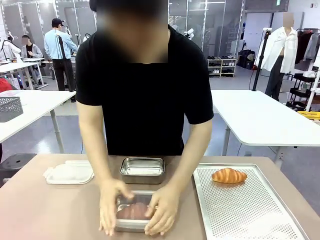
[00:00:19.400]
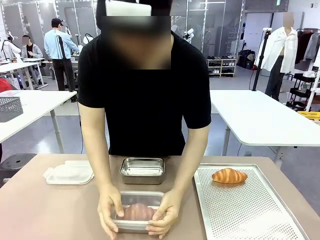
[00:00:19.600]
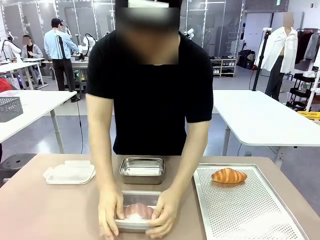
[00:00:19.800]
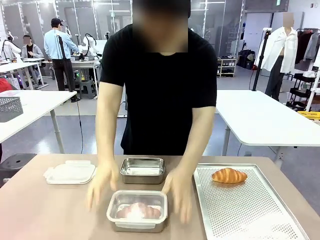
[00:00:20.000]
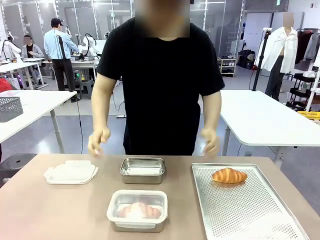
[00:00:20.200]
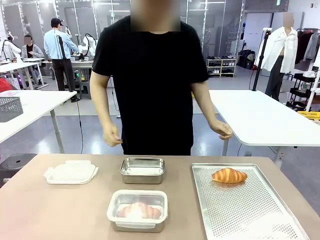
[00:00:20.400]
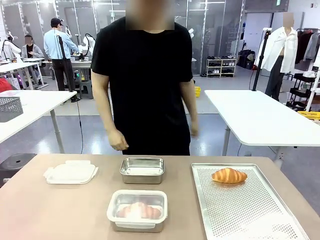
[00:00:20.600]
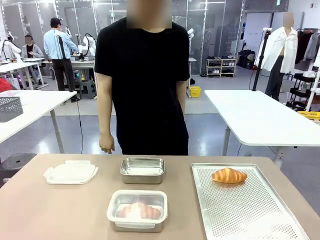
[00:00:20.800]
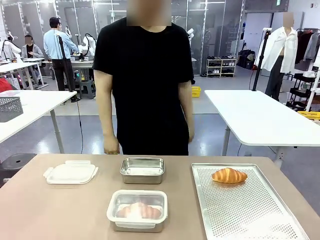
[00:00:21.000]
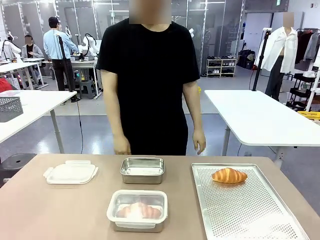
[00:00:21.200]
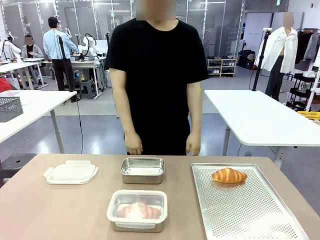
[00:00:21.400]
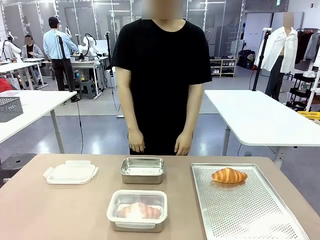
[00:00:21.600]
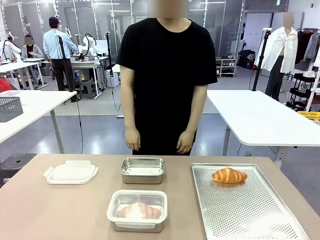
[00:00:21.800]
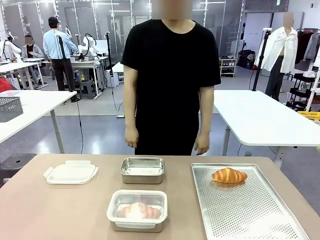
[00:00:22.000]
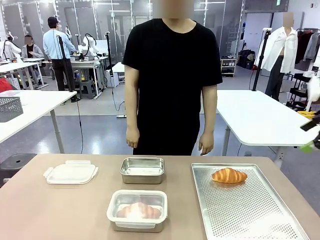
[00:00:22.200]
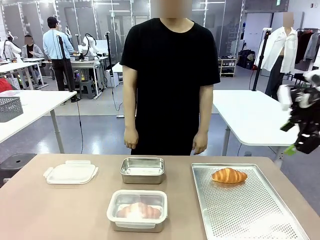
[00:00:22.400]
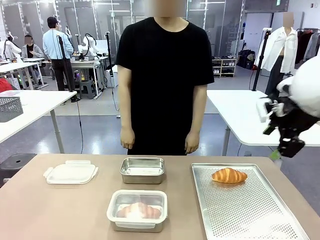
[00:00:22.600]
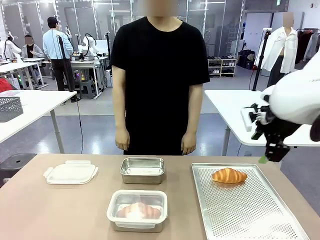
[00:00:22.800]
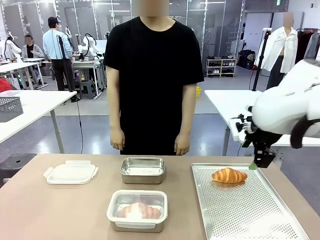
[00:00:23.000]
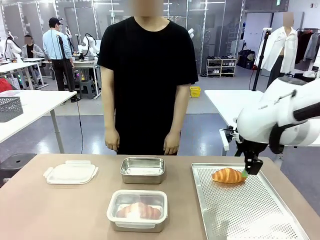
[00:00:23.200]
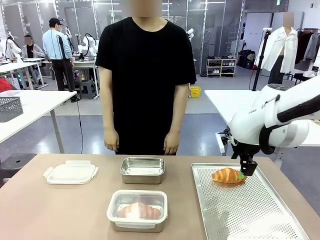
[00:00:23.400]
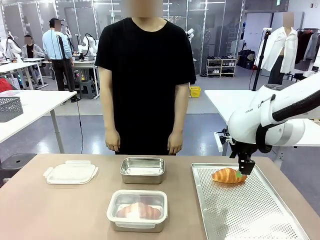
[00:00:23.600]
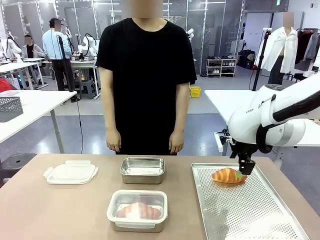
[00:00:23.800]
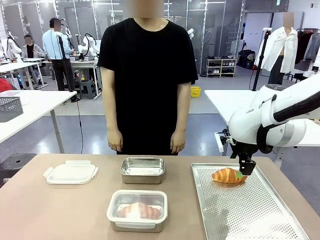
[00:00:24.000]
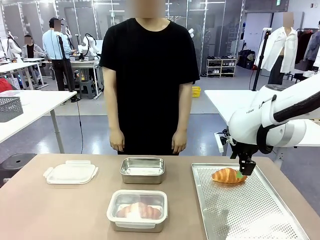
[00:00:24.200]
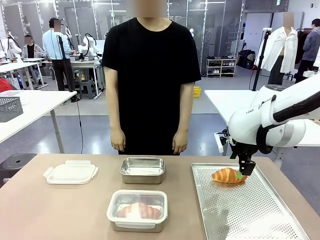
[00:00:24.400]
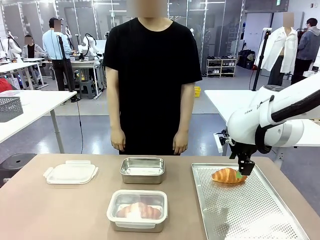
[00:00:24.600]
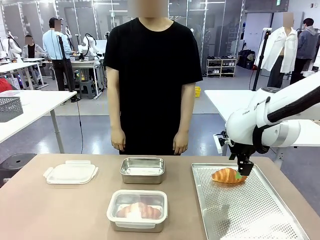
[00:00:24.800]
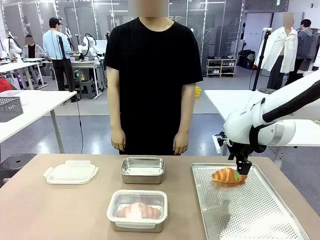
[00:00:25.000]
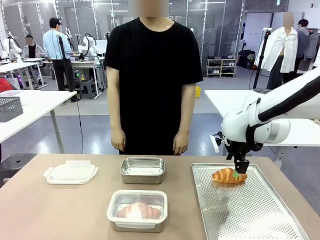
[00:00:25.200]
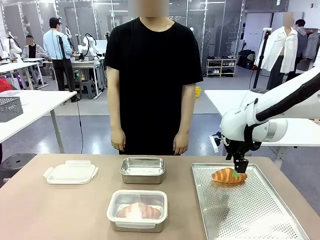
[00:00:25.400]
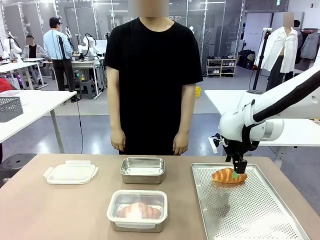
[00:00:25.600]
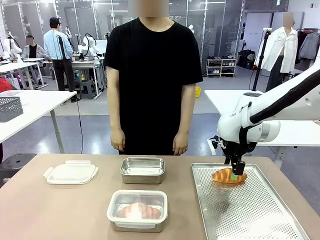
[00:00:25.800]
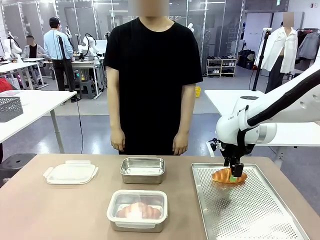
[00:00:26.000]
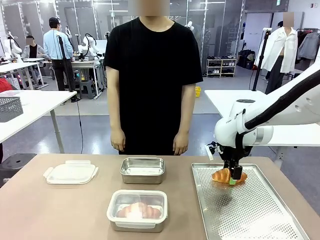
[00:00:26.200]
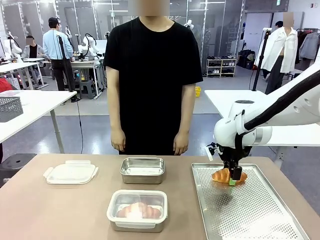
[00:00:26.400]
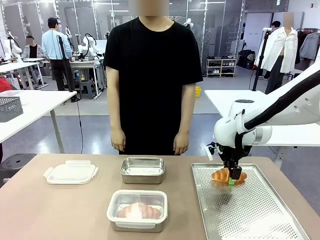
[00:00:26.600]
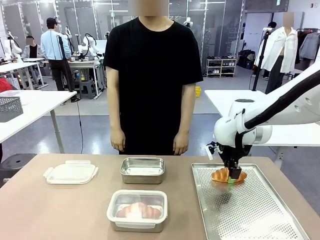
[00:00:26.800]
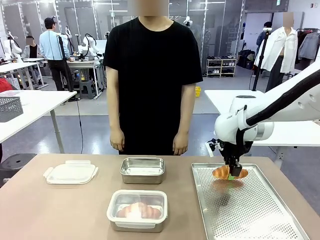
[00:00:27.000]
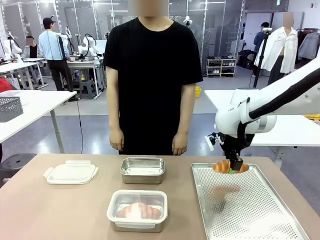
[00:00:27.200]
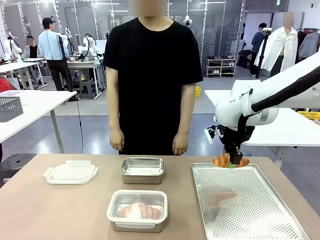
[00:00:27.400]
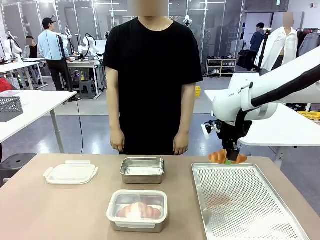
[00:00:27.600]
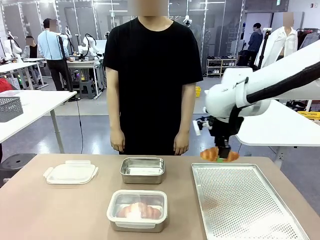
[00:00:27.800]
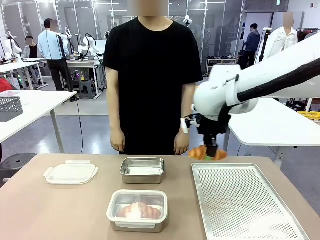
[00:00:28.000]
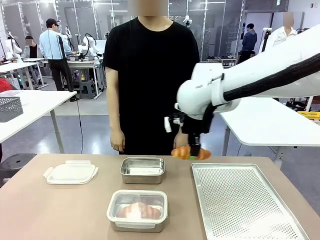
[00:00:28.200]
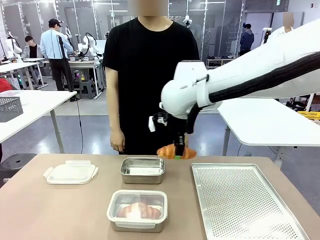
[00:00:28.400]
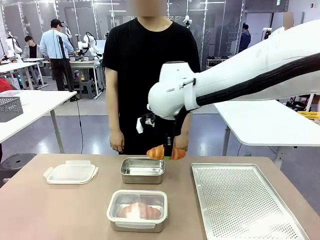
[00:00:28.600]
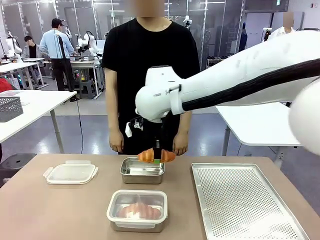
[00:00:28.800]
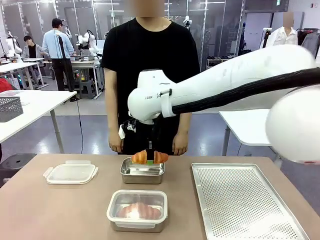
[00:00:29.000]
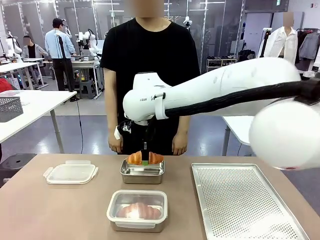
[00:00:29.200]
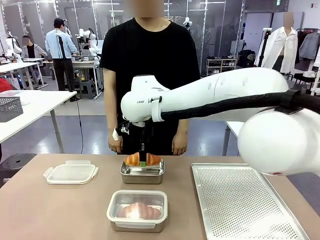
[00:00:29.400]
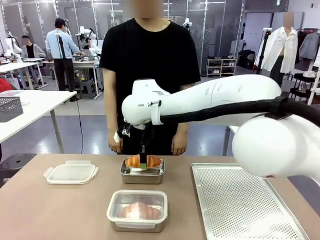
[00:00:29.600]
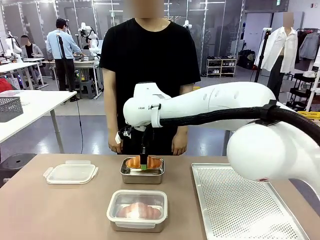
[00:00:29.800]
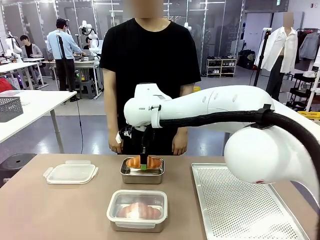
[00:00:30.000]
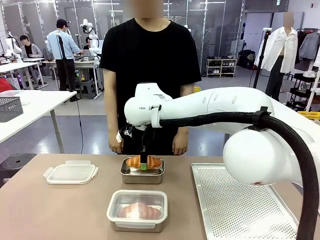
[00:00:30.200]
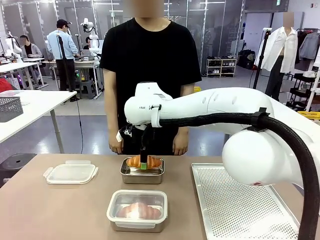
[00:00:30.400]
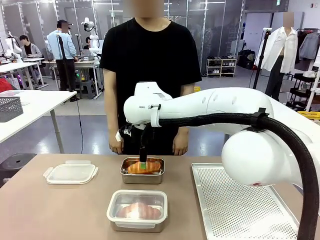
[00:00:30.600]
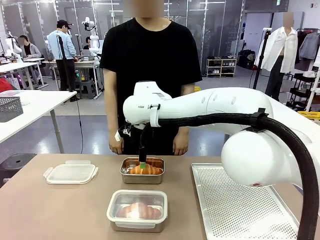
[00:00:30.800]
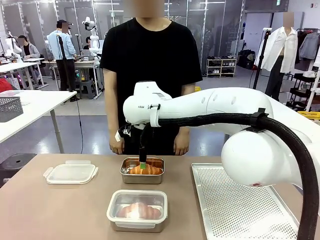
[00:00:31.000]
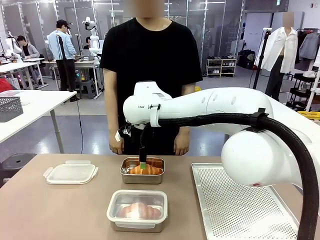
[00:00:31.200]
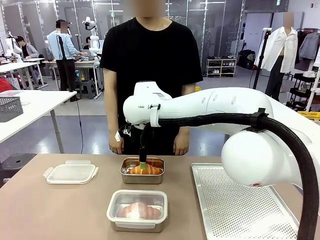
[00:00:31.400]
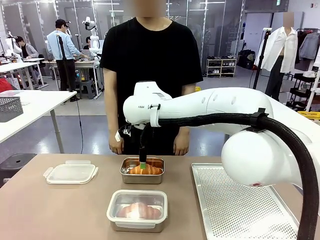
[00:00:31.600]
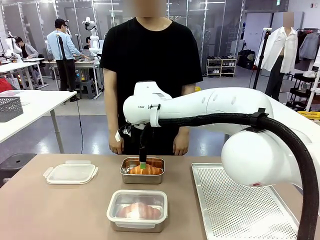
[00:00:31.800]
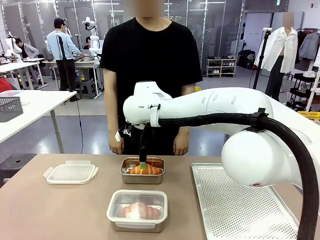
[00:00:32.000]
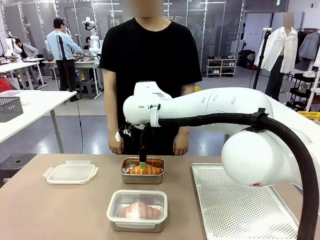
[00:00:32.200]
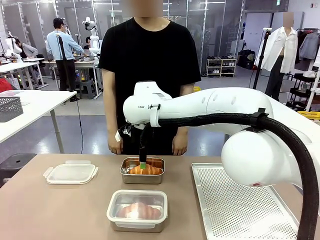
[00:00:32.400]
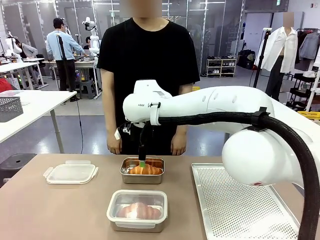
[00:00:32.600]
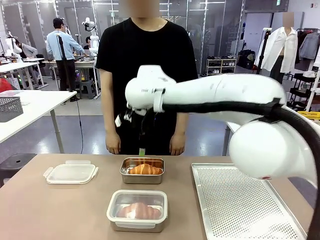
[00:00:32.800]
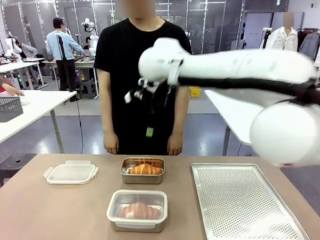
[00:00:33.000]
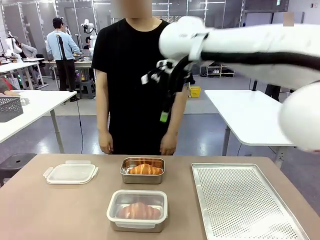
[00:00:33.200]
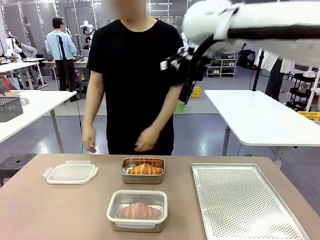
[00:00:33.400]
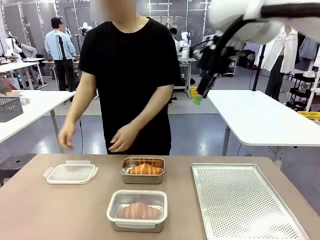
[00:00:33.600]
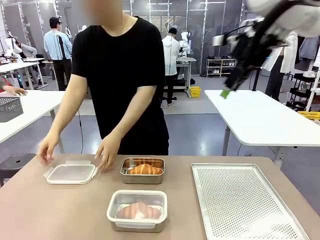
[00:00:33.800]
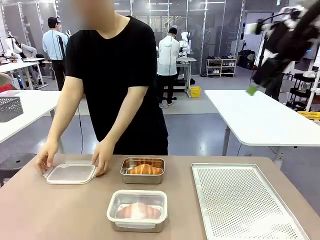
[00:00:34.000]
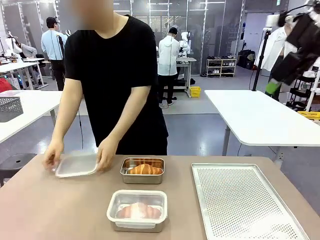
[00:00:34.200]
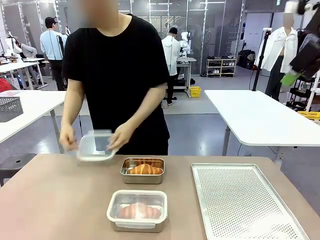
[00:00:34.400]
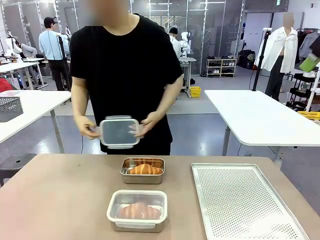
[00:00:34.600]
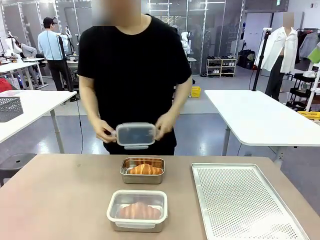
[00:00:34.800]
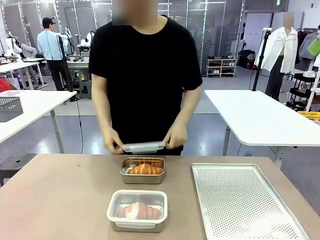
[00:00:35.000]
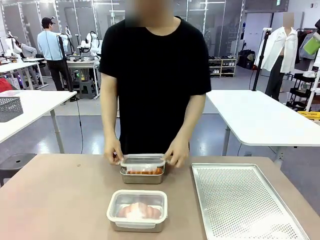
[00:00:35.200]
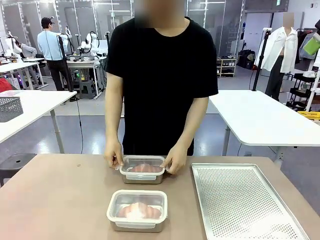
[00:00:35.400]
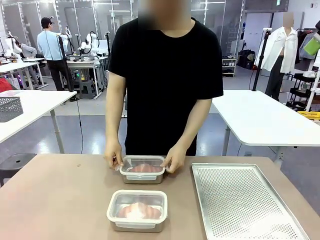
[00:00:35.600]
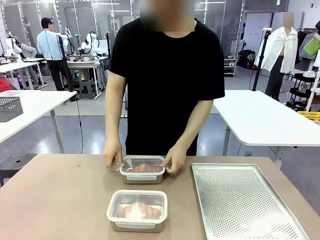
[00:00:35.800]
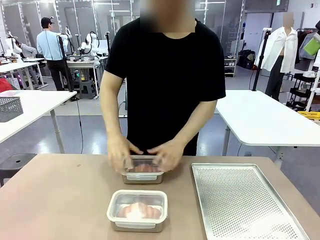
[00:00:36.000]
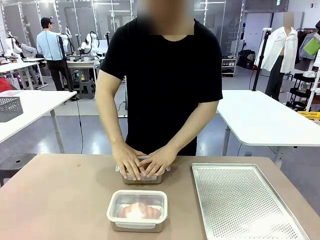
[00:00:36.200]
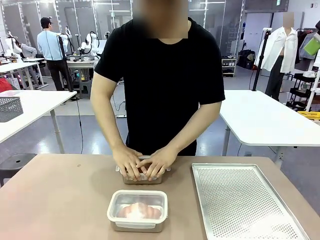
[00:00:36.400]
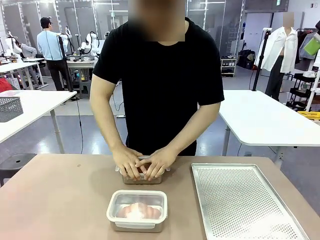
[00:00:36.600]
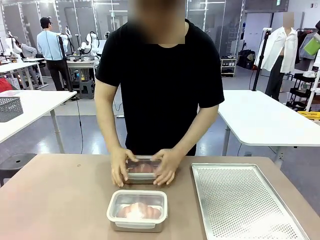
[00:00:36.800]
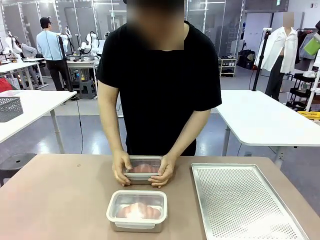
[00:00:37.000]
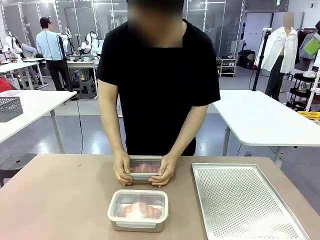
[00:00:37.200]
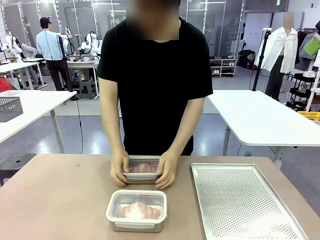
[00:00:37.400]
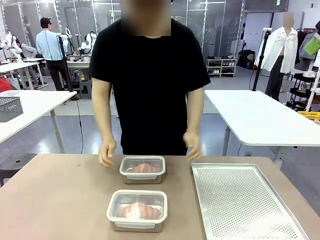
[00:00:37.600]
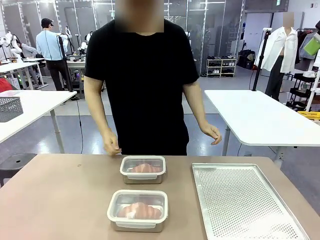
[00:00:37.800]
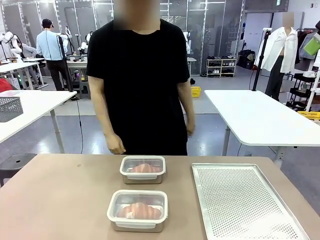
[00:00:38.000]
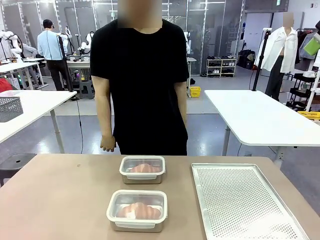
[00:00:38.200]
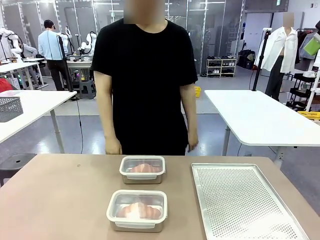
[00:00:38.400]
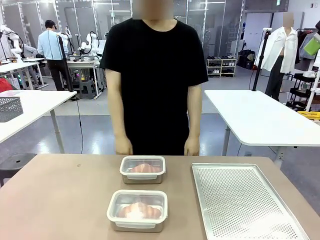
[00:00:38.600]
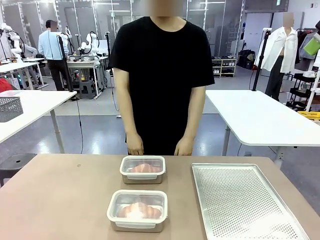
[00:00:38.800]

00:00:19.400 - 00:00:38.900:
Task: Place the bread into the airtight container.
Robot: Pick up a Butter Roll and place it into an empty Airtight Container.
Person: Once a Butter Roll is inside an Airtight Container , close the lid of that Airtight Container.
